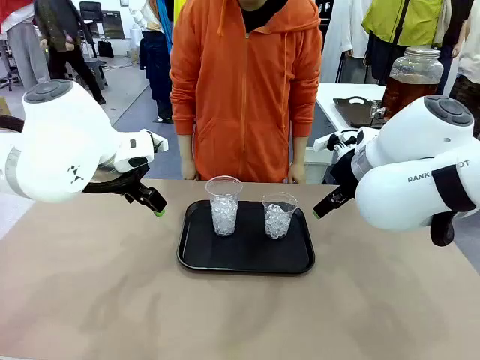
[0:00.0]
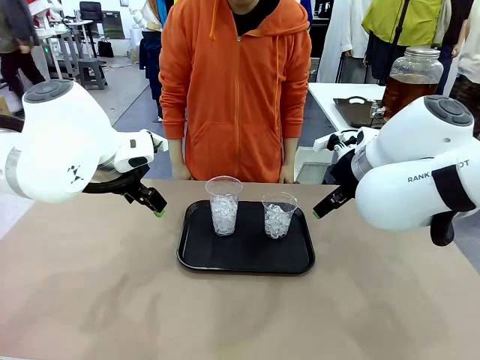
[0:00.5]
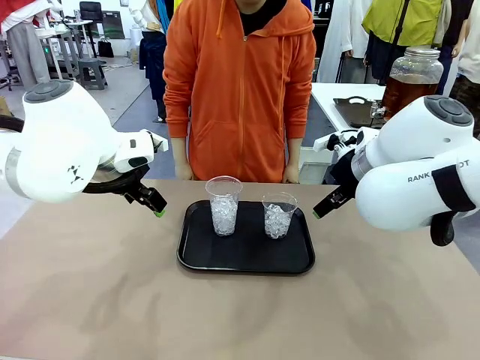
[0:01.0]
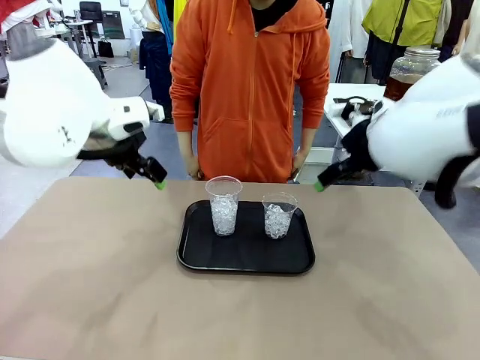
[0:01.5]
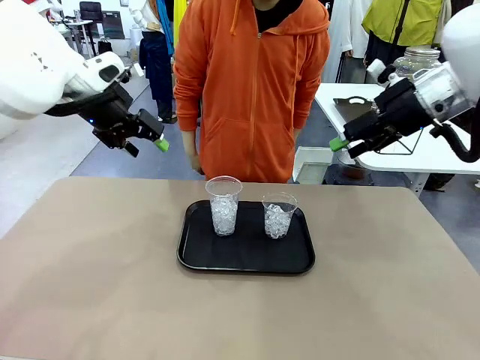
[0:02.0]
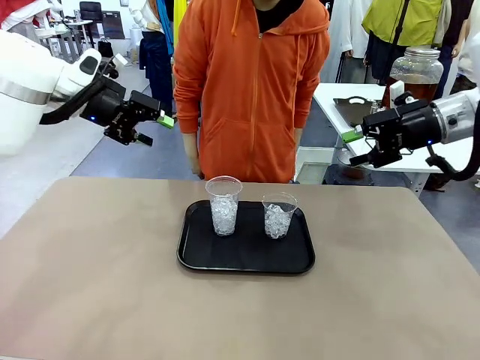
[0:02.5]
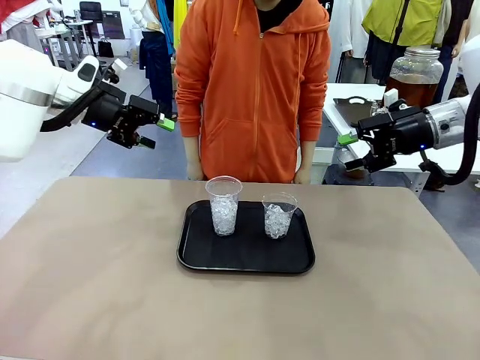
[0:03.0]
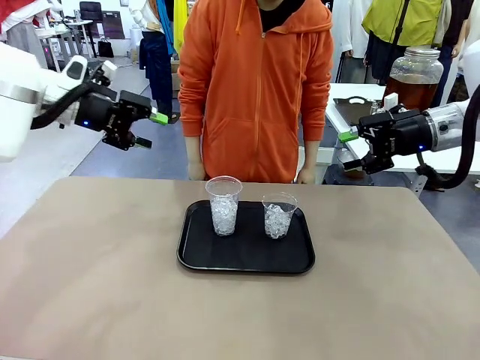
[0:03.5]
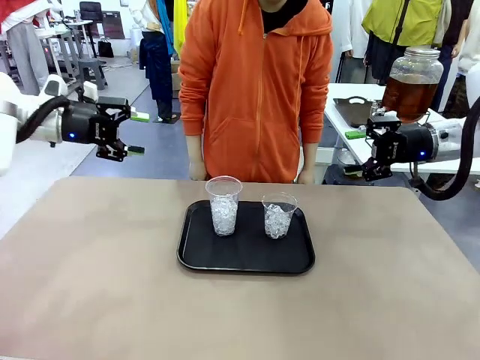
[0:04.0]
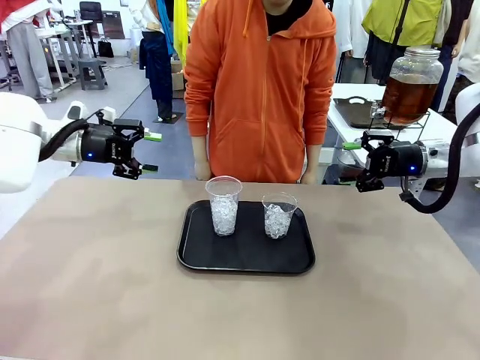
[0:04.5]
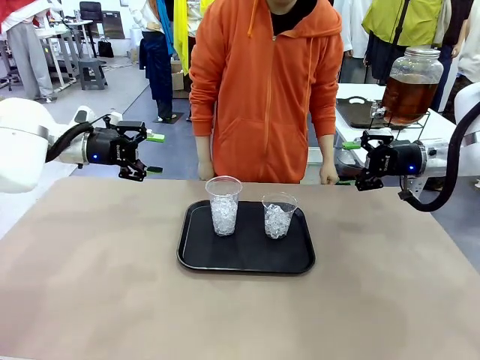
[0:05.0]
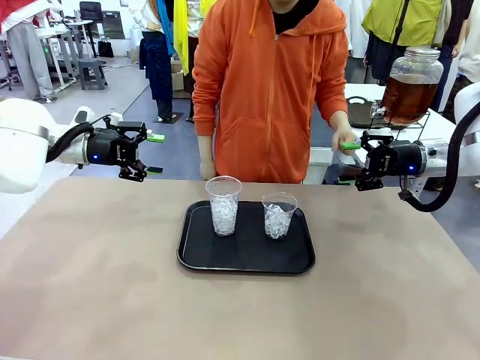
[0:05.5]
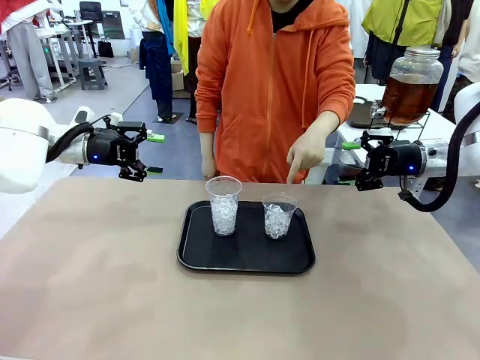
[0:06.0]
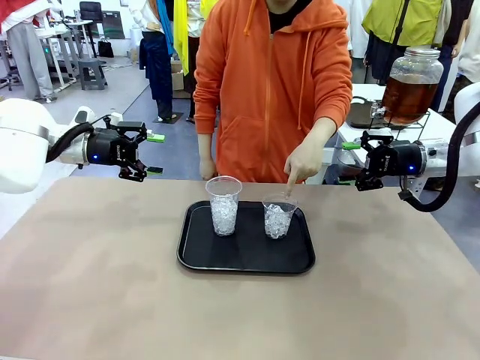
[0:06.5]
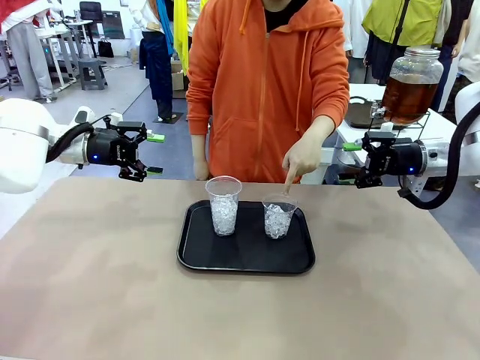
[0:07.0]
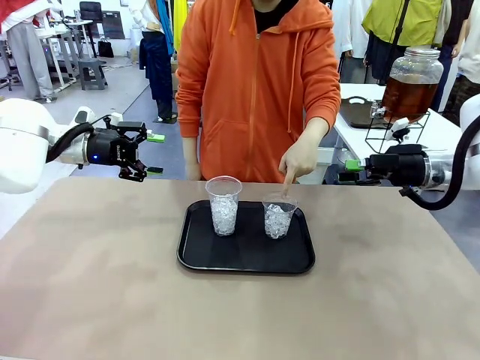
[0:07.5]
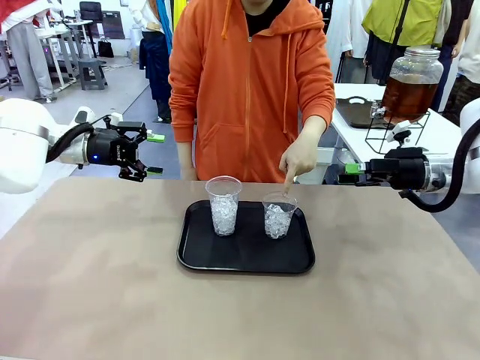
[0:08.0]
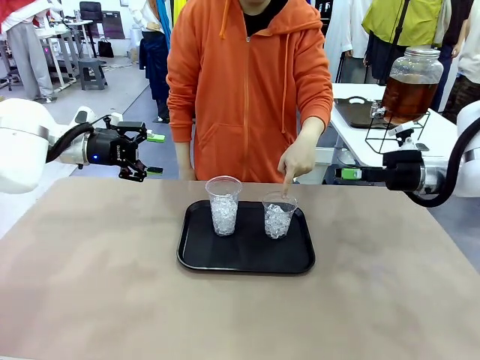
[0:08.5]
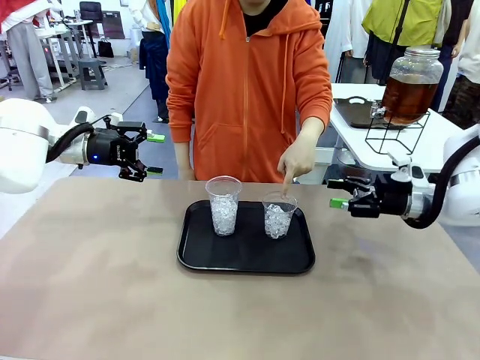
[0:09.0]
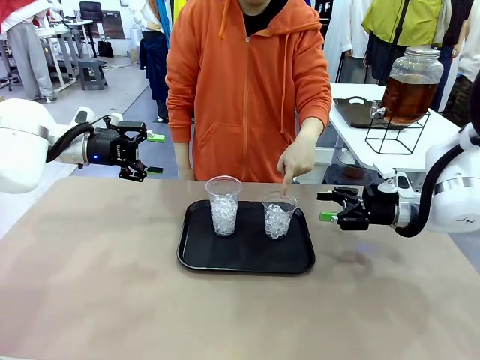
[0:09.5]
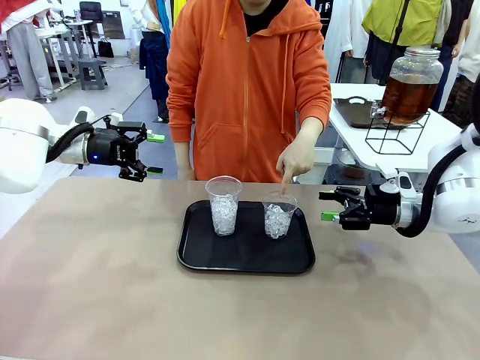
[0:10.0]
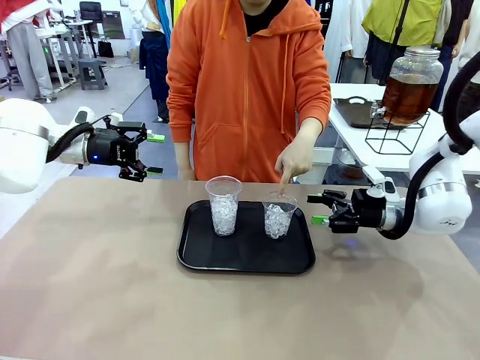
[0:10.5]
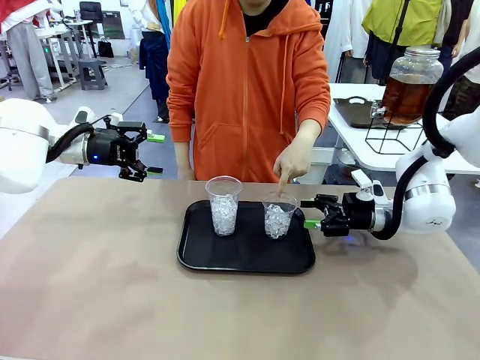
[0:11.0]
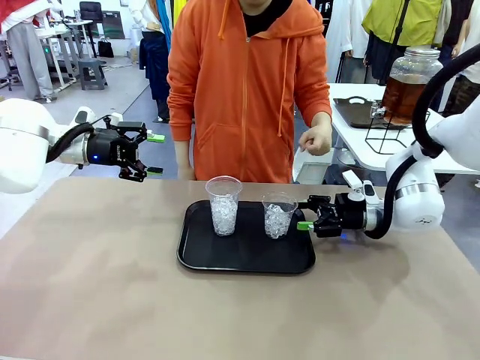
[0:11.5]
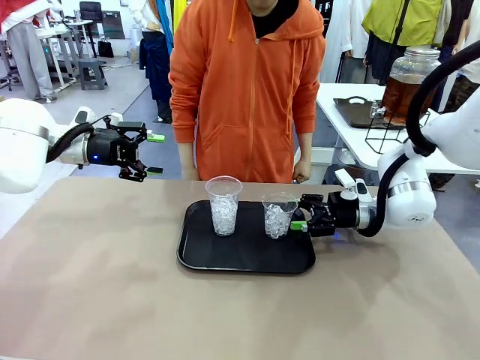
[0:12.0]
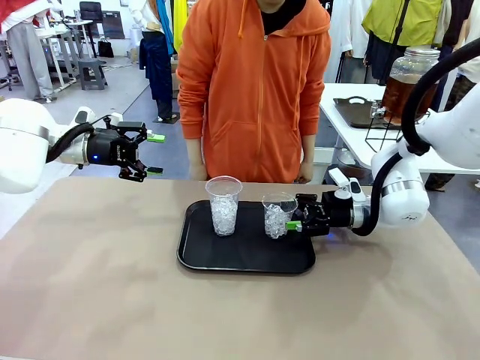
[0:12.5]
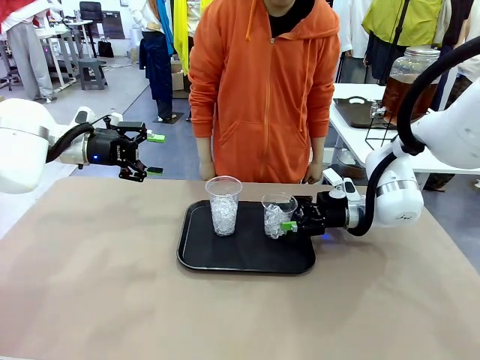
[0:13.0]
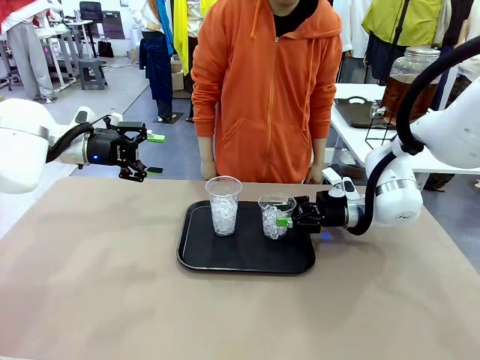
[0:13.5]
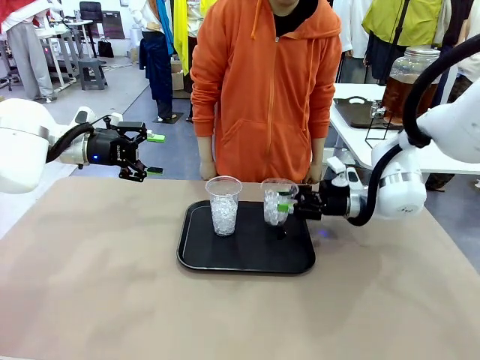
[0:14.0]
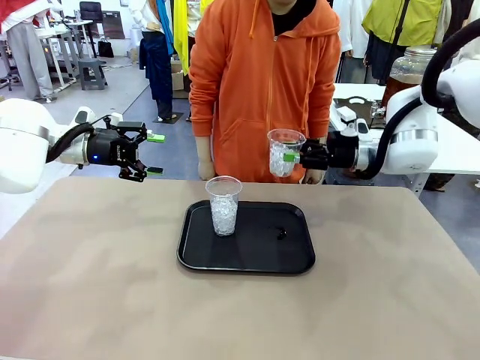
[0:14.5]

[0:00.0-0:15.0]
Task: Pour the drink into the iced cup.
Robot: Pick up the iced cup indicated by the human and present it to them.
Person: Point to one of the two ice cups. Pick up the cup offered by the robot.

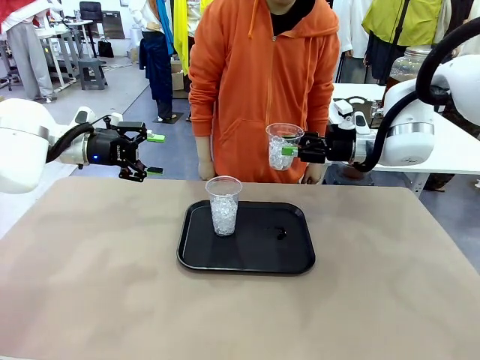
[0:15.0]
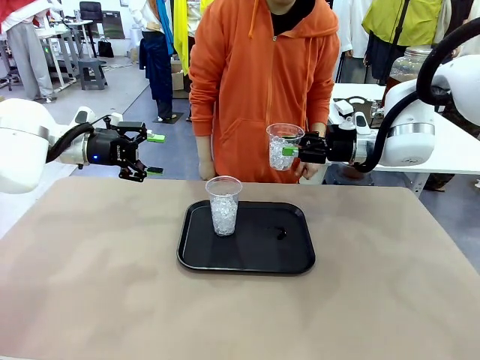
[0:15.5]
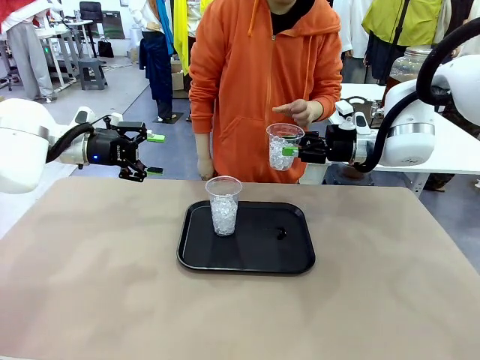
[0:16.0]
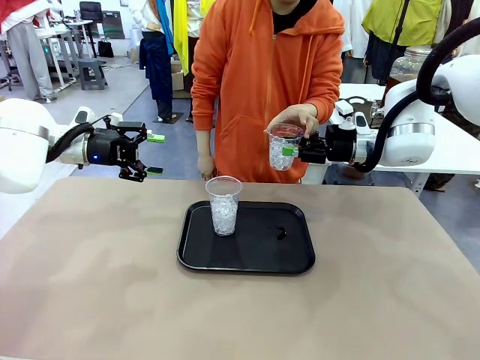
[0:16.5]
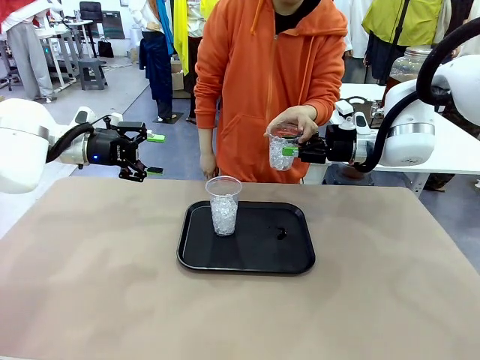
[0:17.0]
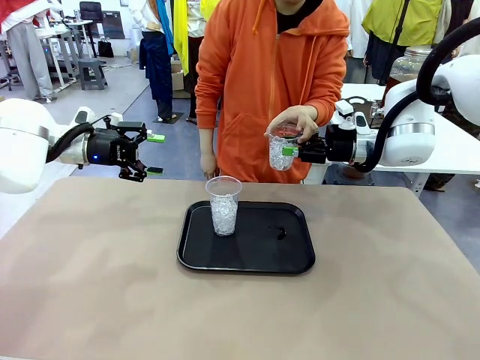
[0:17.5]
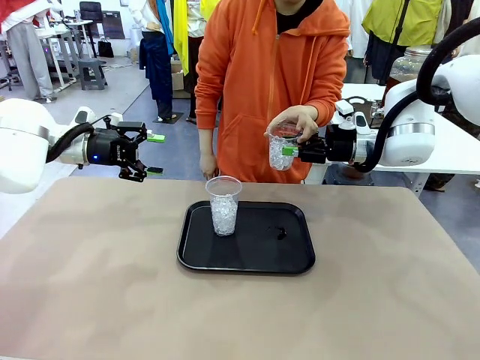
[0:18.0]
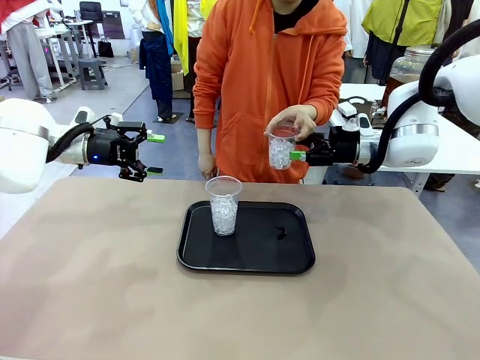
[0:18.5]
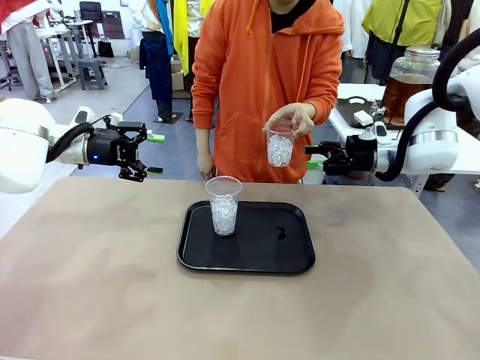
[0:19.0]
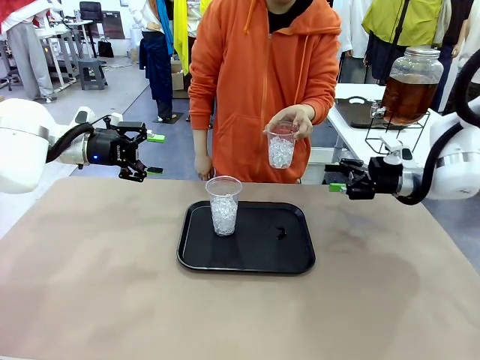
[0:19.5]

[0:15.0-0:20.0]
Robot: Open the gripper to release the iced cup you were holding.

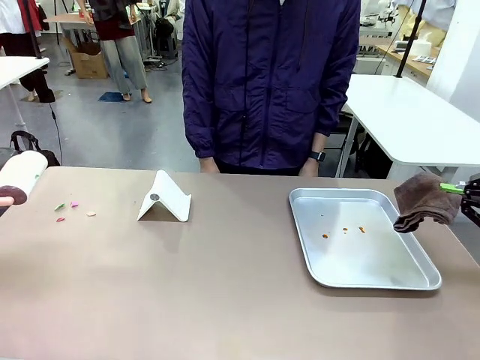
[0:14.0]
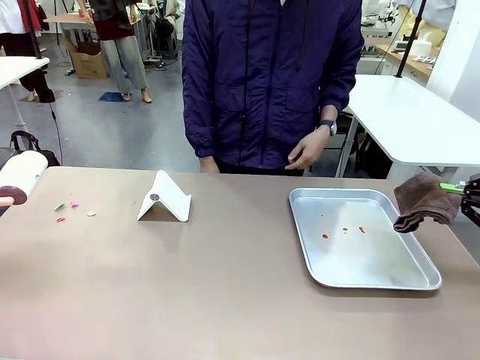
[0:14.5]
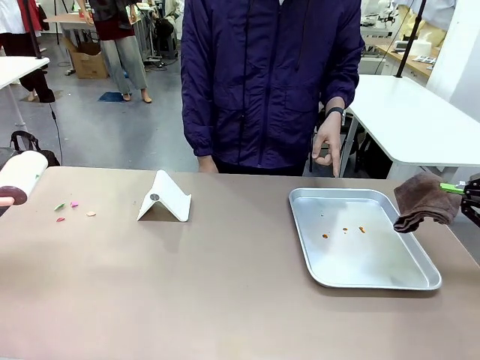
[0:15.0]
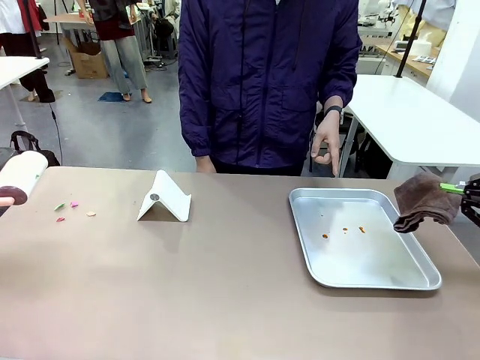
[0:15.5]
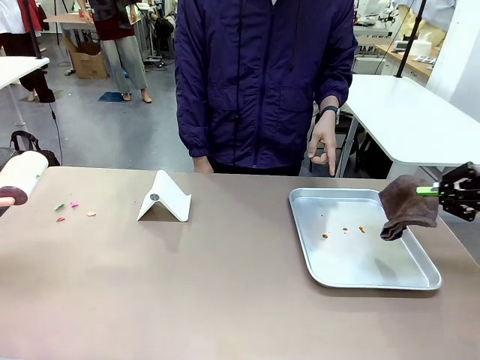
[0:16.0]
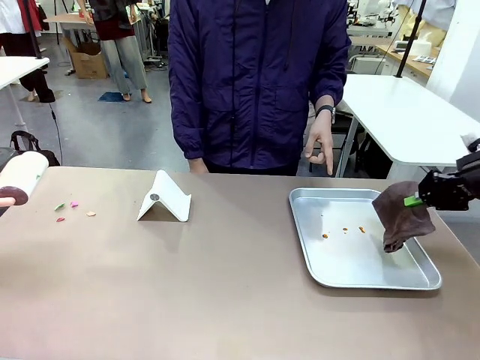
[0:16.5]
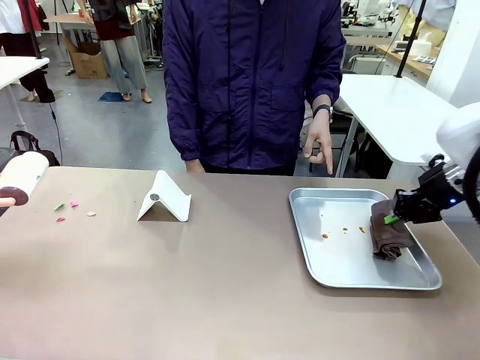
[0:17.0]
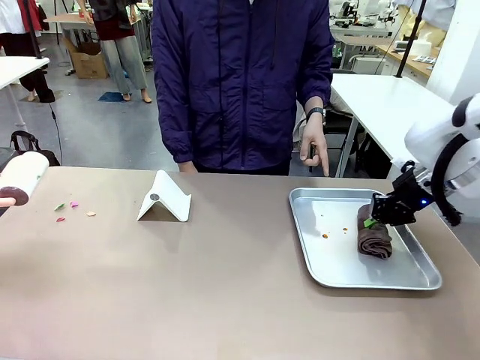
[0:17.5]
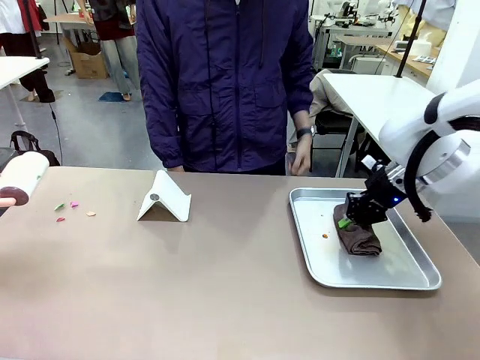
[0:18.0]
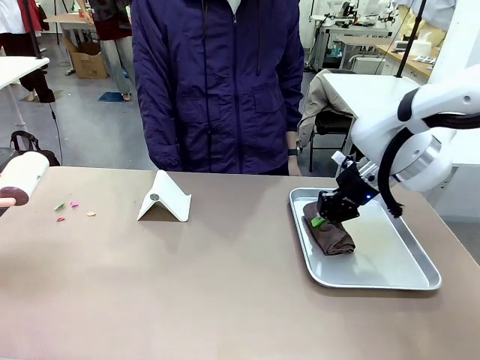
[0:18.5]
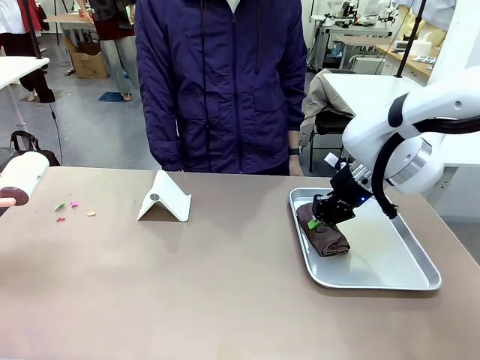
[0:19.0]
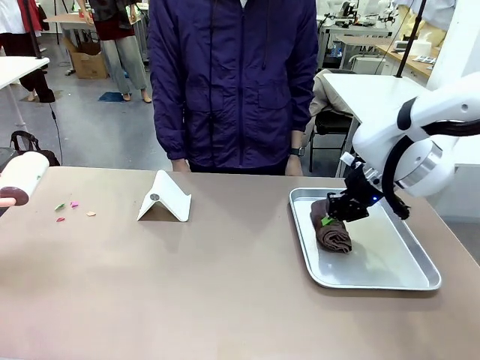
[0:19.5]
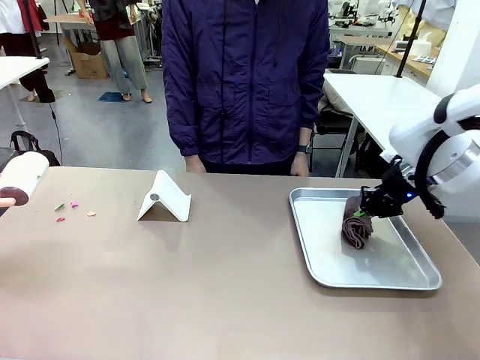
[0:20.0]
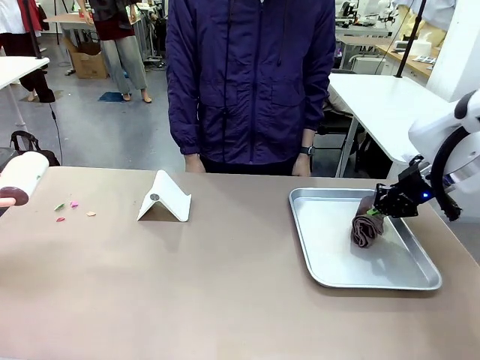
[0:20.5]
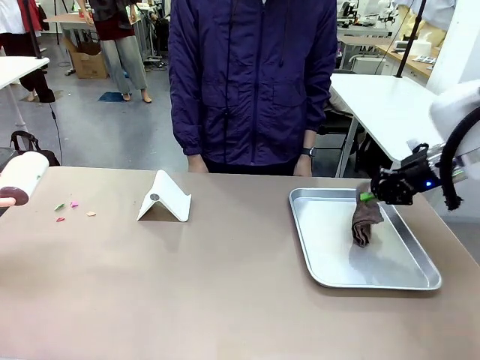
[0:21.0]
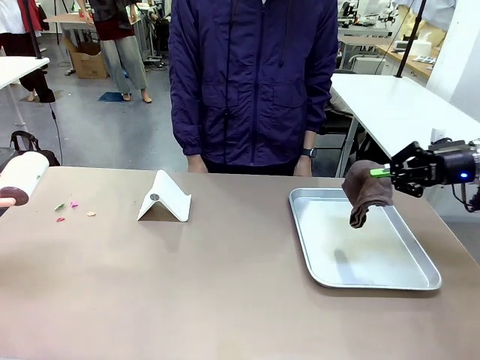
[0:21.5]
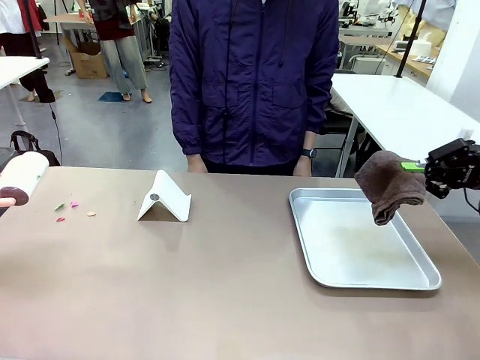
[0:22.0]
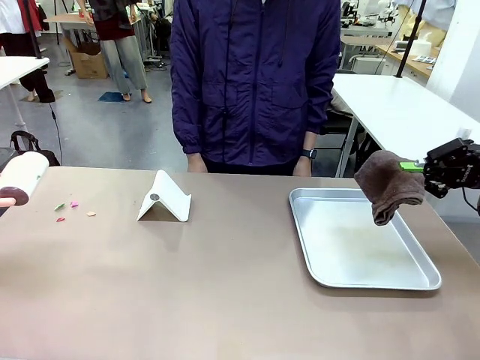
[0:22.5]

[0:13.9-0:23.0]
Task: Clean the surface of the table.
Robot: If a person points to the right, clean the right side of the table with your right hand, and if they point to the left, clean the left side with your left hand.
